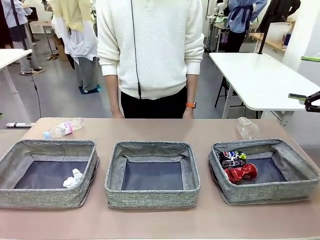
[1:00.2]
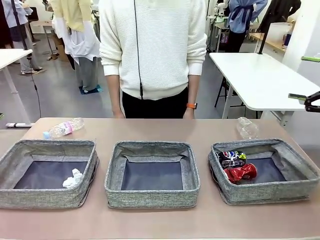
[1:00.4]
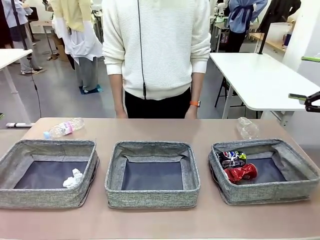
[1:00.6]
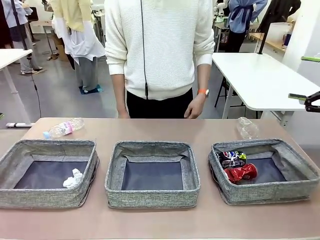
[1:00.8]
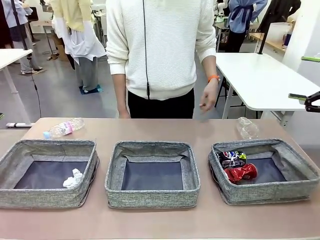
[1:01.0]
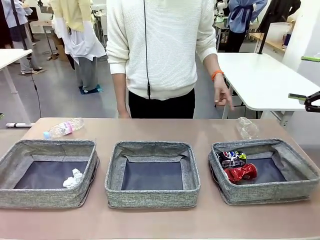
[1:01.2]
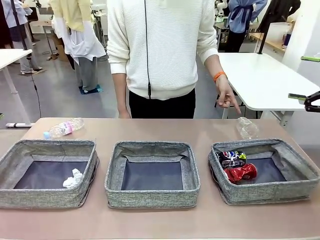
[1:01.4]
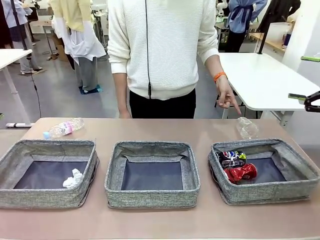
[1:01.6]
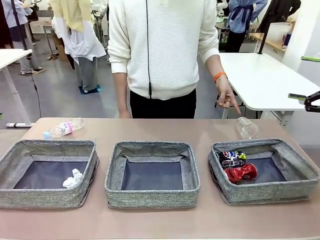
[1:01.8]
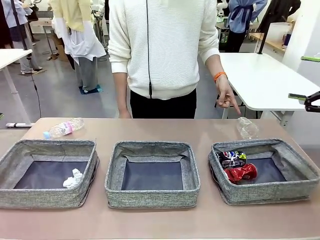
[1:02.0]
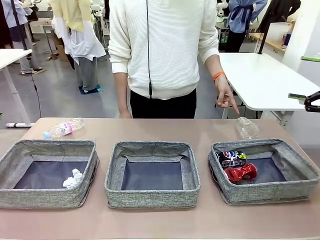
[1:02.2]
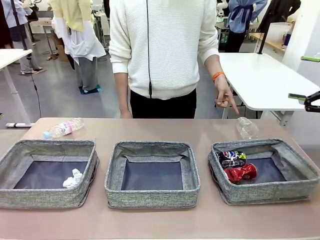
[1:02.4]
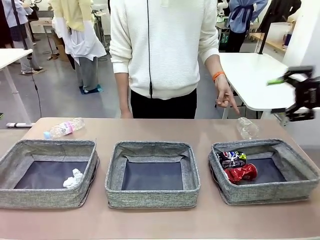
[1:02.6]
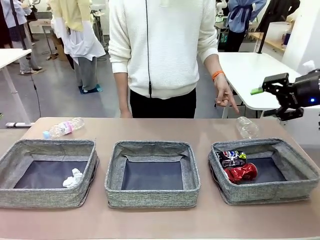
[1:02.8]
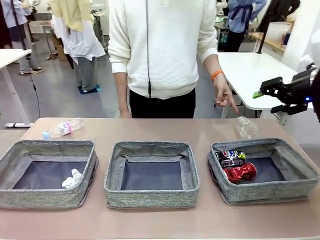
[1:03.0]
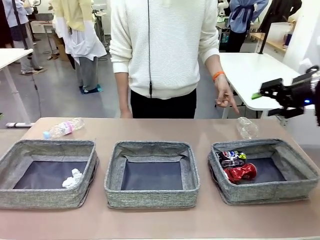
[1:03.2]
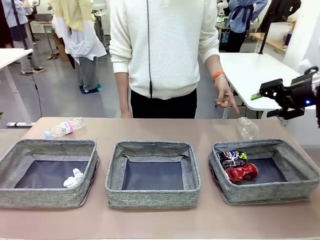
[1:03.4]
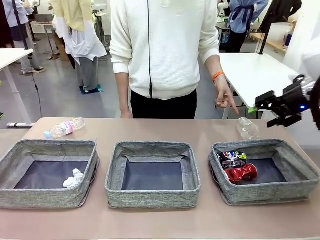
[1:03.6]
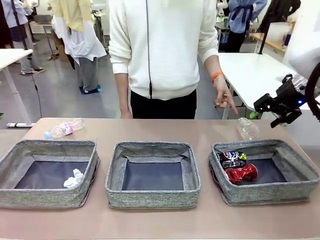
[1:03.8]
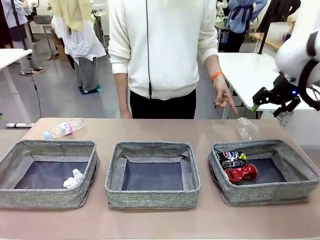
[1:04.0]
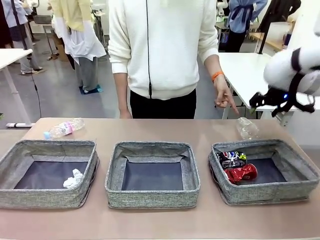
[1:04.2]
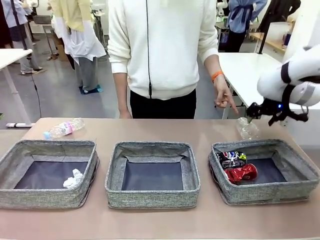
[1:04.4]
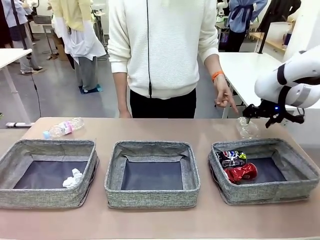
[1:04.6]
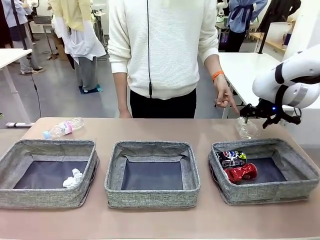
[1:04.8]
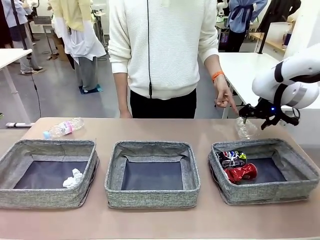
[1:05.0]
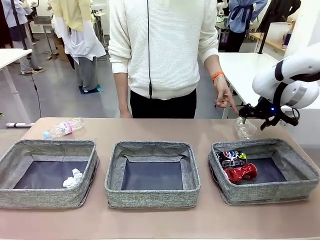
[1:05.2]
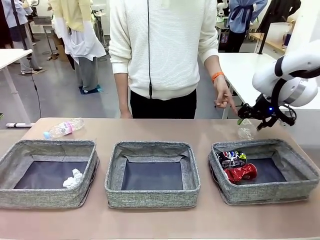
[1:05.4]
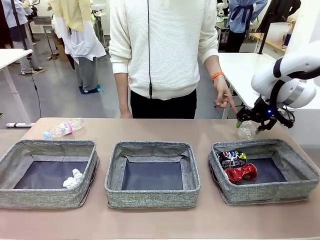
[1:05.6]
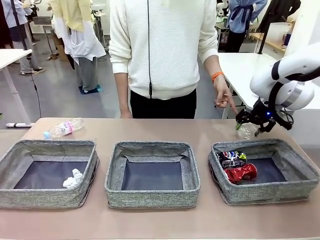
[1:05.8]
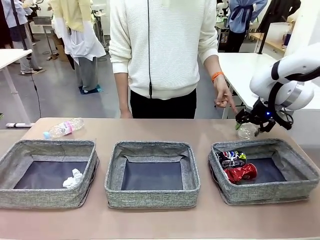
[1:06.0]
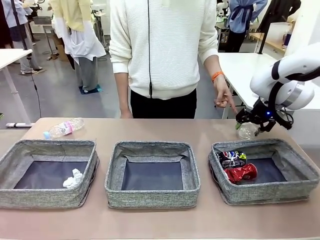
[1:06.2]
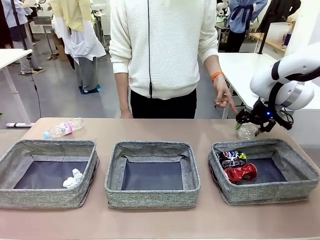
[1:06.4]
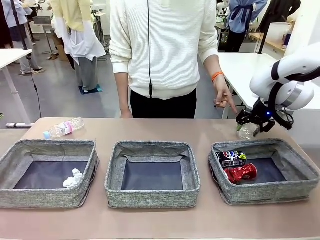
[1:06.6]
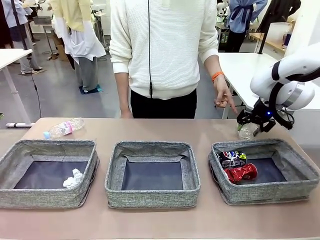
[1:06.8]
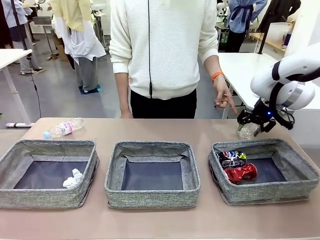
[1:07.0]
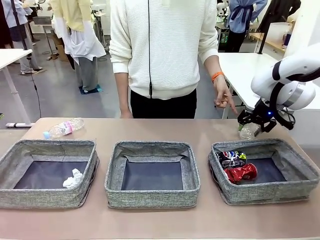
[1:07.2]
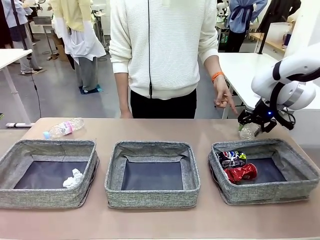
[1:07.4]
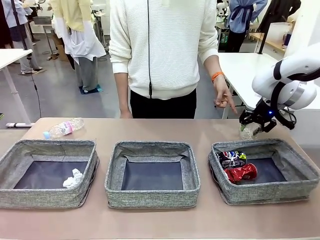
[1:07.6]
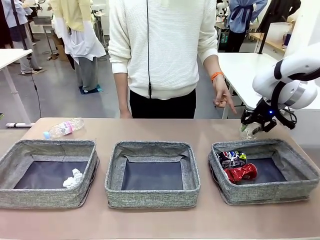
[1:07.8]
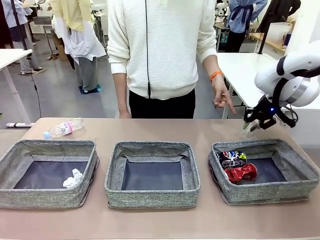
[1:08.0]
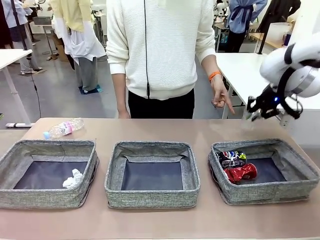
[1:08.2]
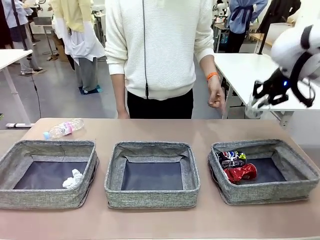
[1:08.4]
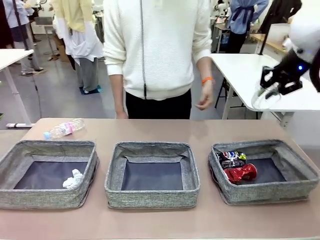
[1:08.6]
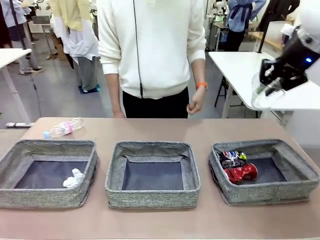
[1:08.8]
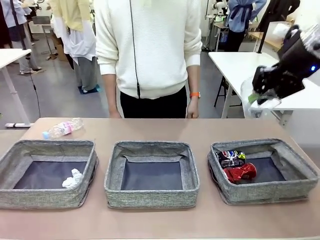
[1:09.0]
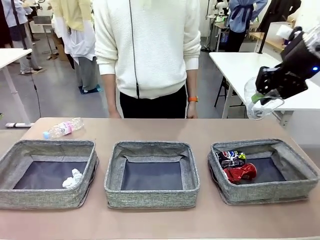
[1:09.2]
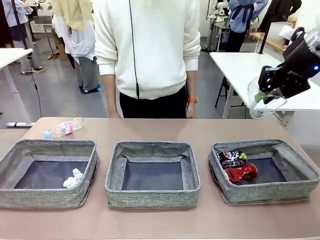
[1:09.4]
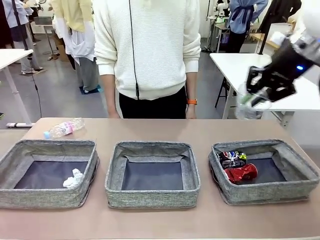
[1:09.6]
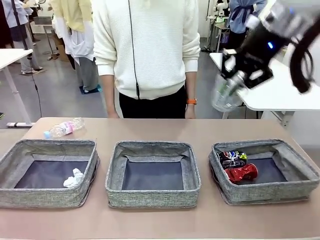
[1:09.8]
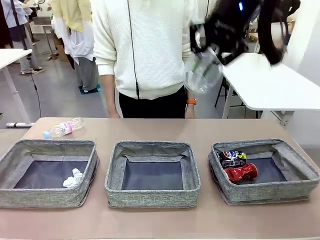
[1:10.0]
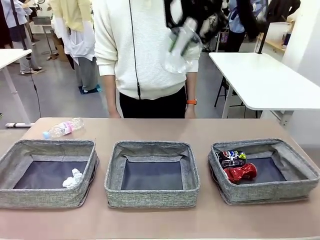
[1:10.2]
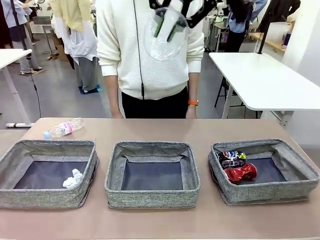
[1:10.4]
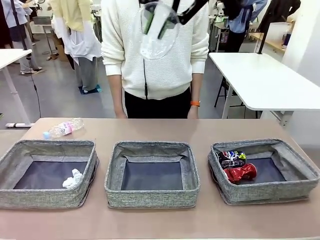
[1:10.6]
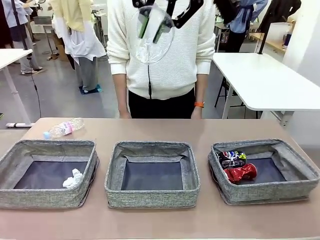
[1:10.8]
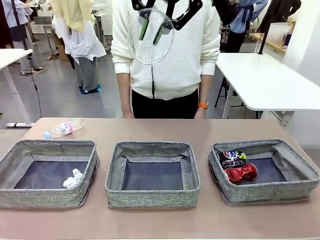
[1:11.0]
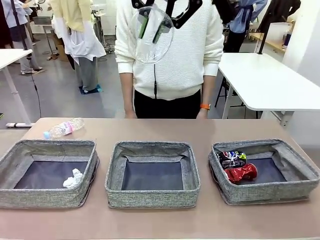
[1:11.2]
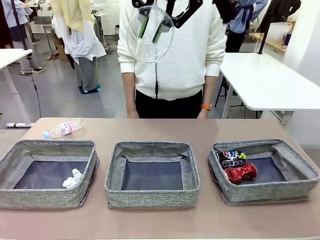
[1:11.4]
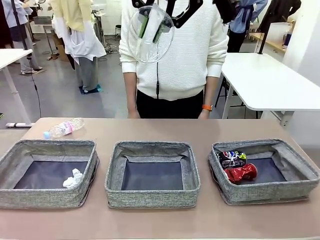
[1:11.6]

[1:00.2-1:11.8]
Task: Sort the waste into the appropriate baskets.
Robot: Pick up the waste item pointed out by the person.
Person: Points to one piece of trash on the table.

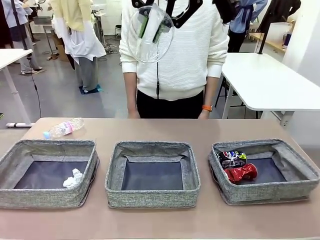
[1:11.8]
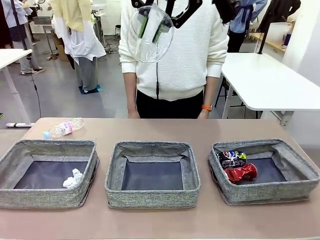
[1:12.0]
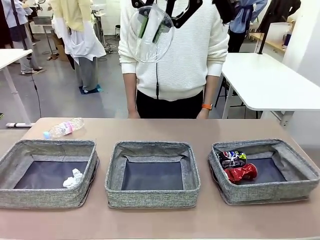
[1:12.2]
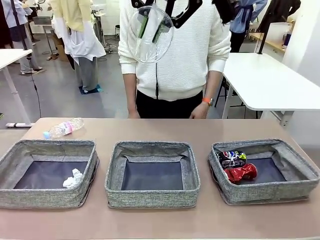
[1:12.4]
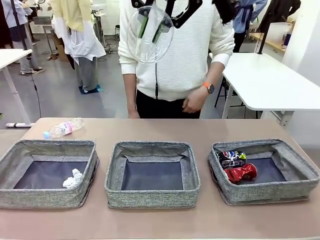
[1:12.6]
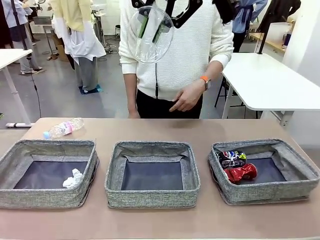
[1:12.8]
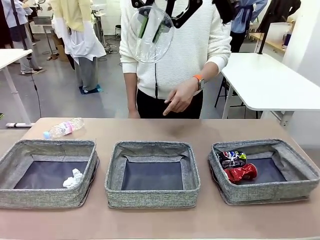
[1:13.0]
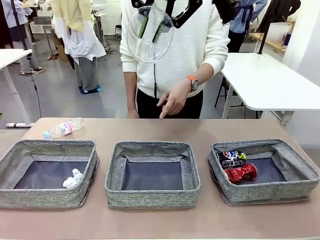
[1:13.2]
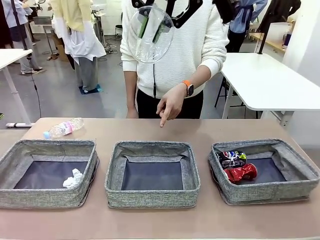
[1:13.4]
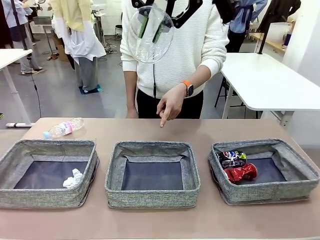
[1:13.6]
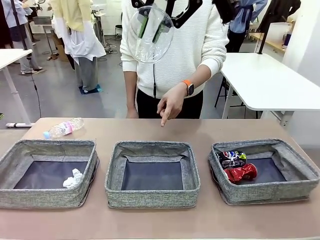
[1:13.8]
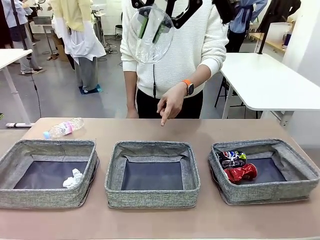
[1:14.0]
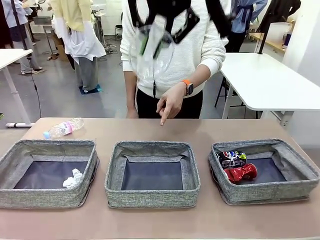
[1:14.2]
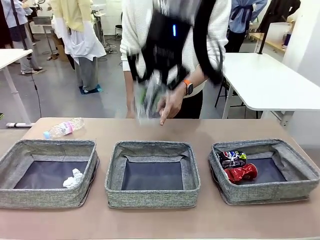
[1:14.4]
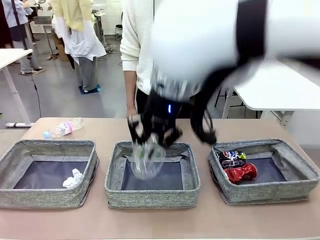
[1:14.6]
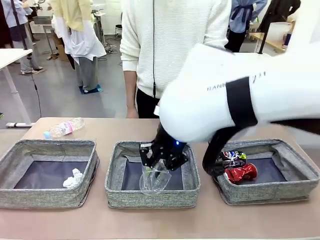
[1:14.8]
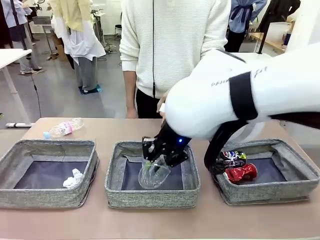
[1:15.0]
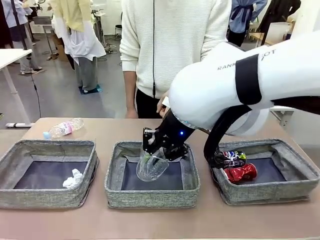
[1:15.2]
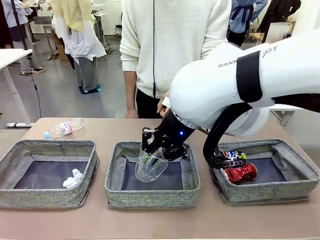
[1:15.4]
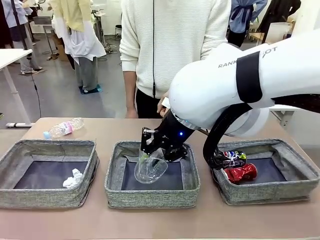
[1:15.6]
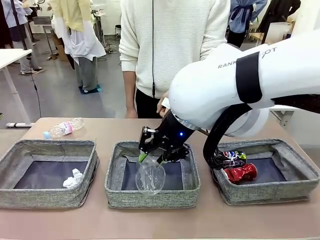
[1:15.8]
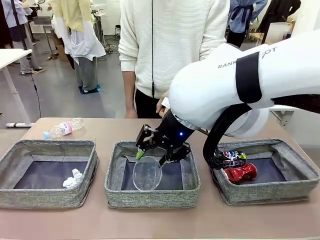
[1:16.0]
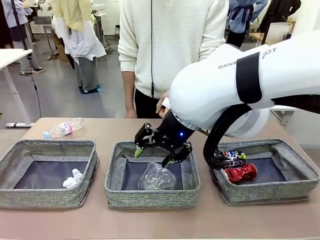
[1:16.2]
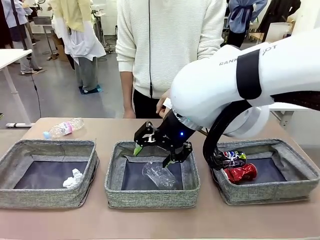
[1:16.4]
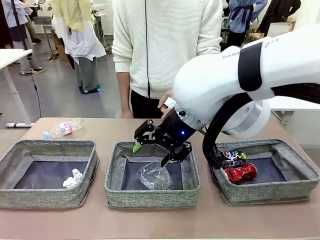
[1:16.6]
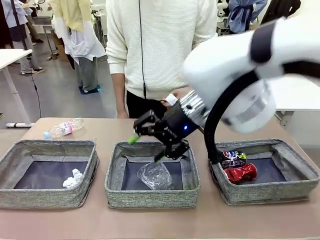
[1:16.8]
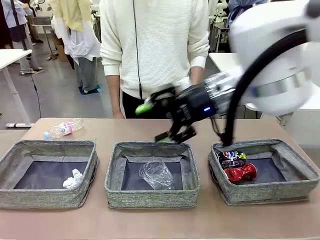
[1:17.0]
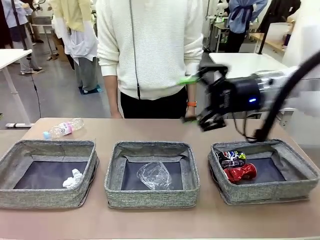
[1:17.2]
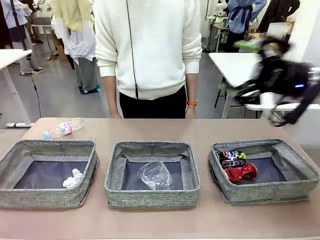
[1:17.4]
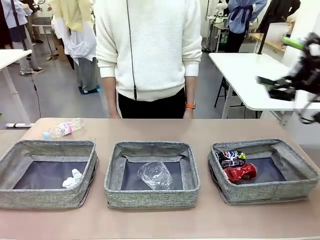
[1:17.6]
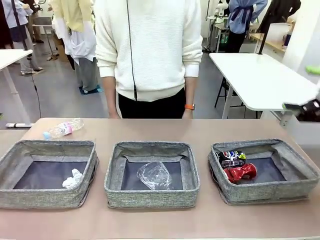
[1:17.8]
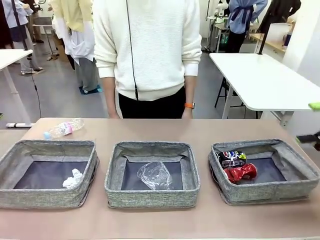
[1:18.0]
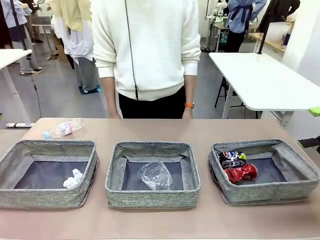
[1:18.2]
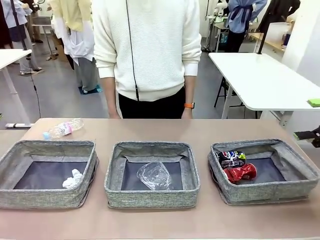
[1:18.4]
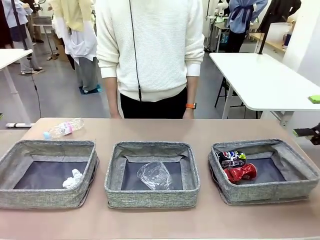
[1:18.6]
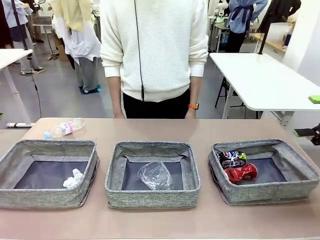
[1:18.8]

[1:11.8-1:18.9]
Robot: Place the picked waste into the Fabric basket indicated by the person.
Person: Instructs the robot to place the picked-up trash into the appropriate organizing basket.
